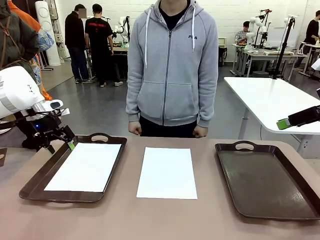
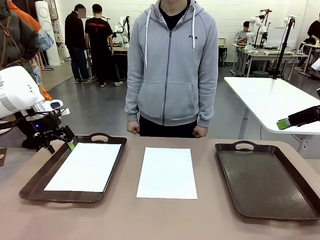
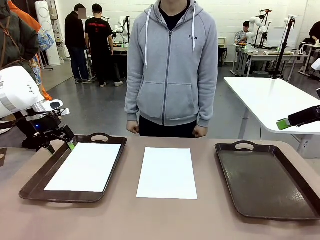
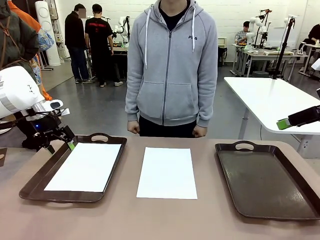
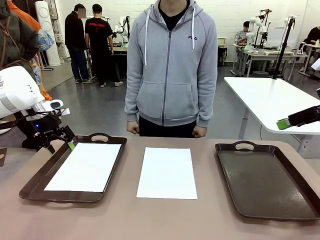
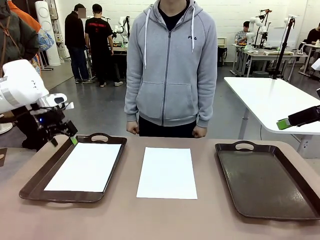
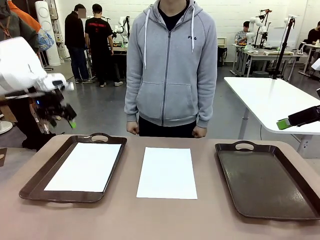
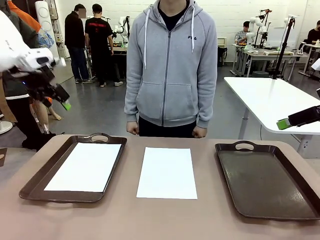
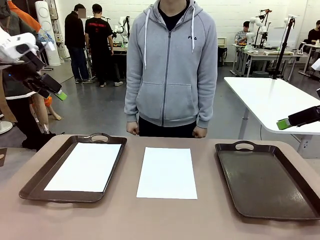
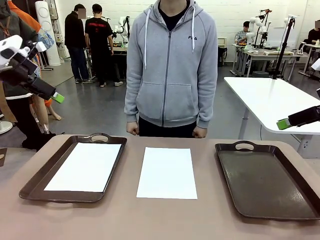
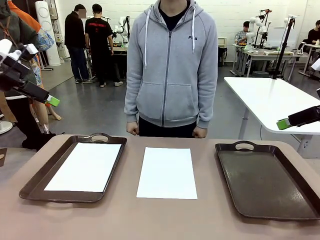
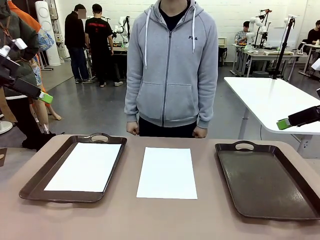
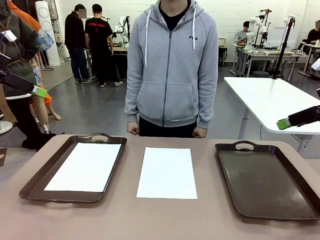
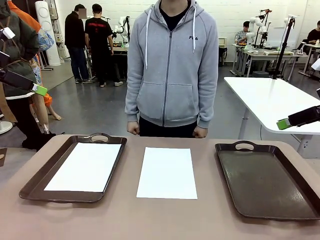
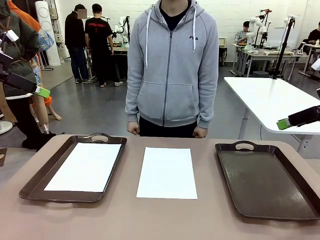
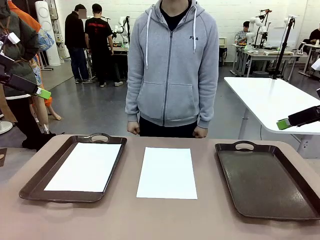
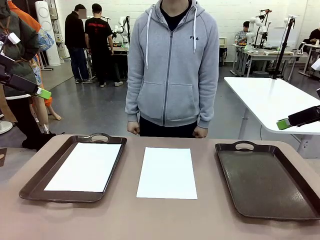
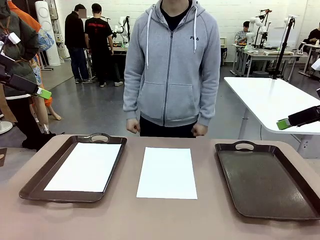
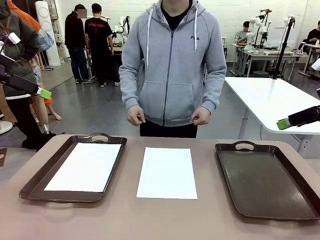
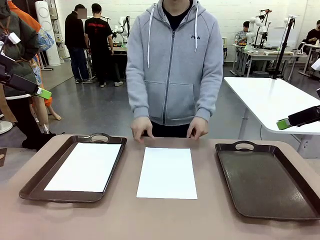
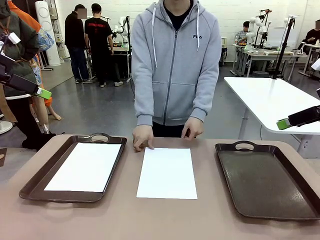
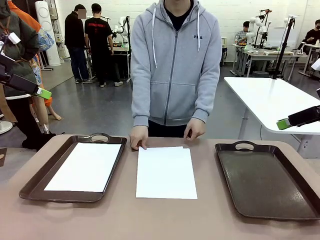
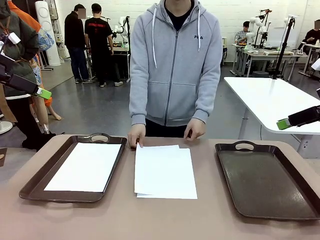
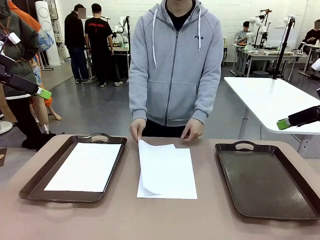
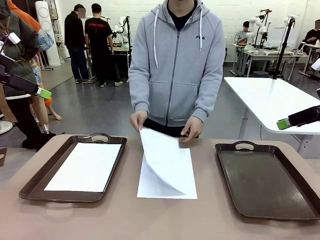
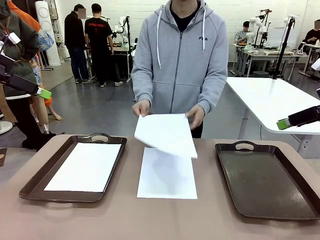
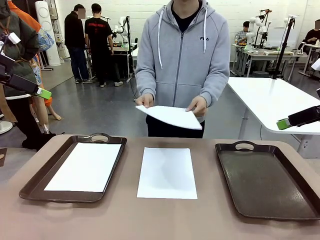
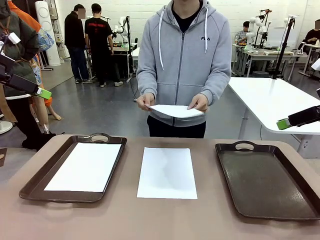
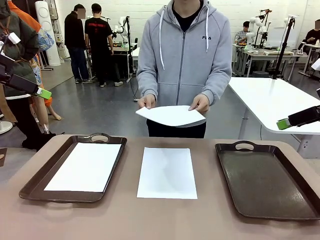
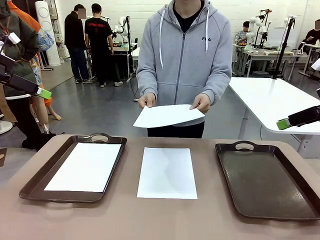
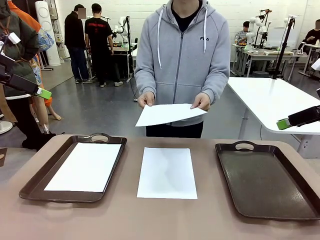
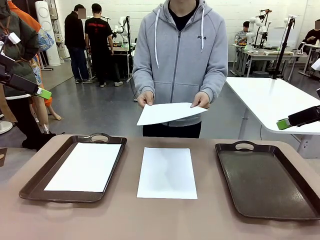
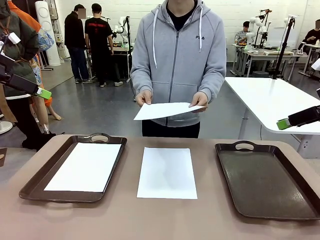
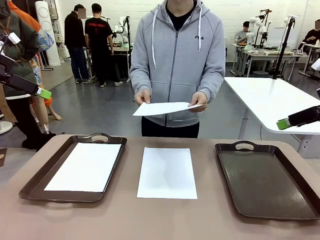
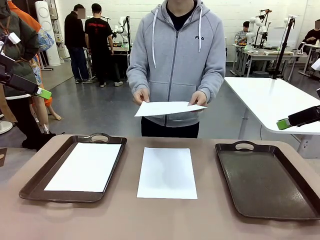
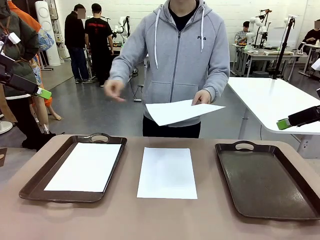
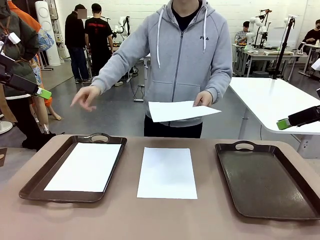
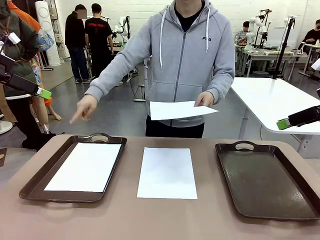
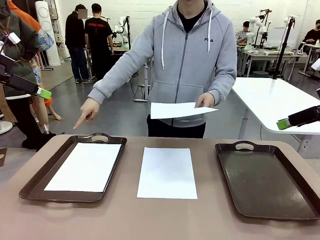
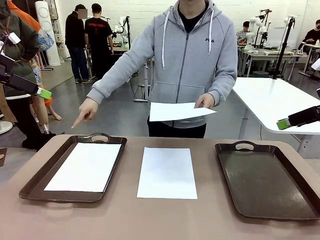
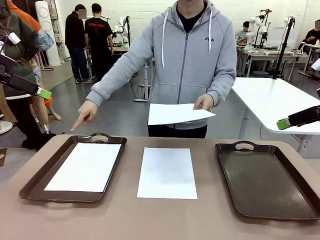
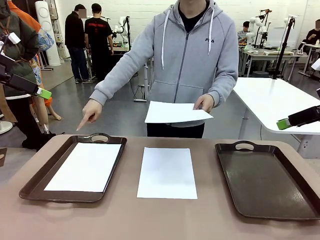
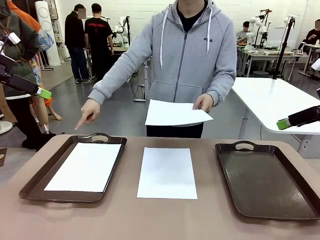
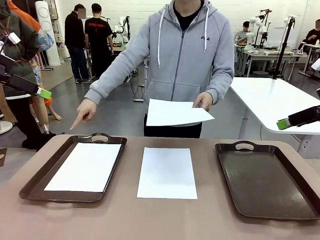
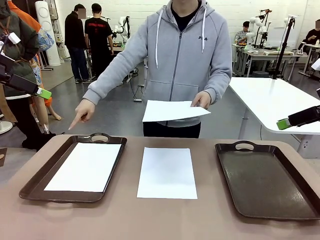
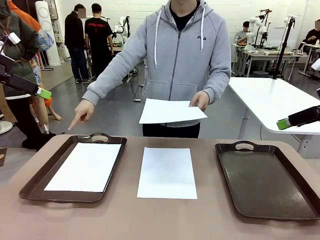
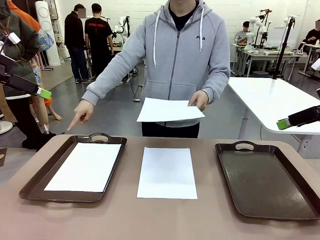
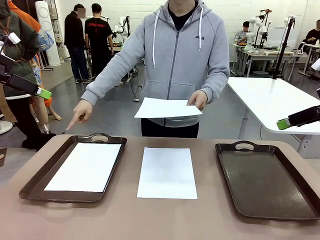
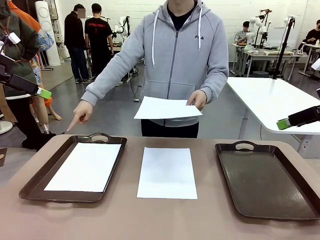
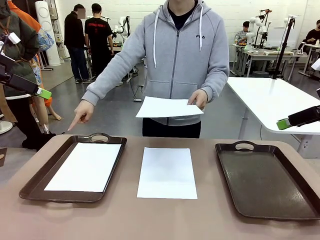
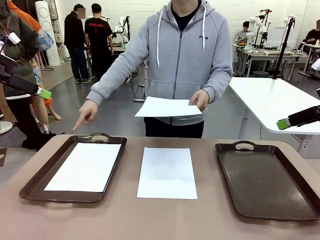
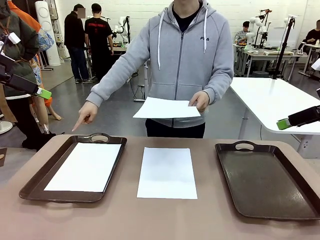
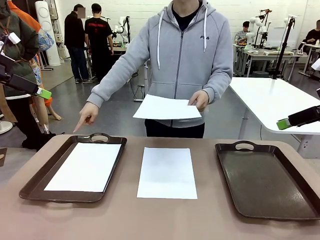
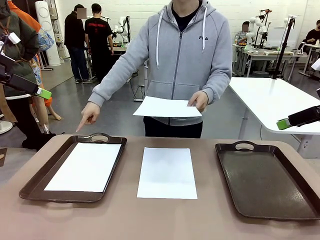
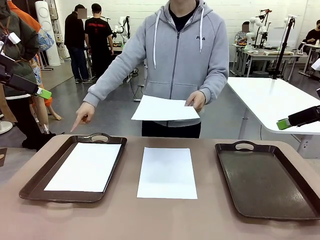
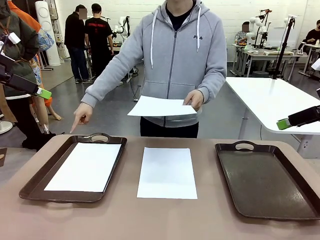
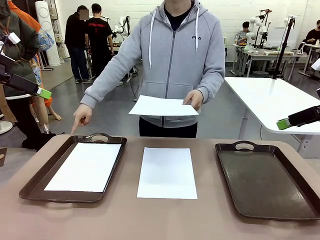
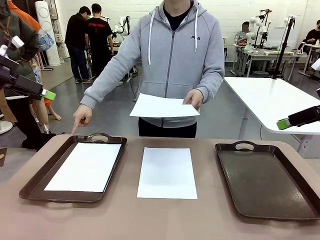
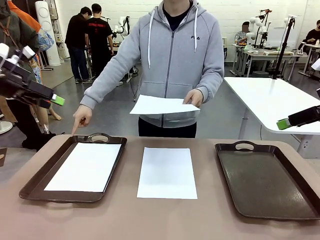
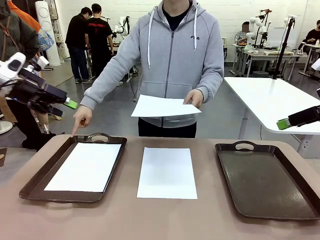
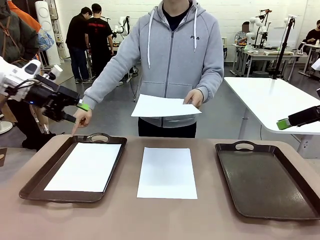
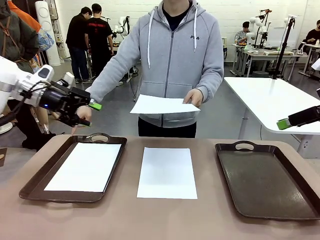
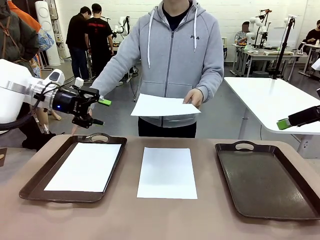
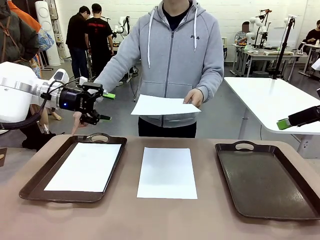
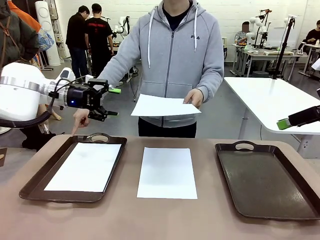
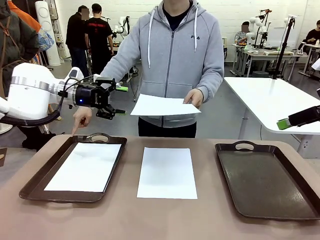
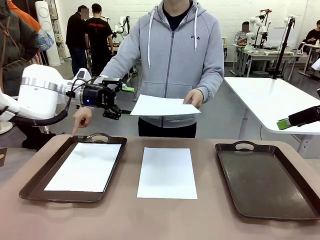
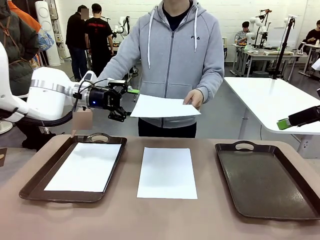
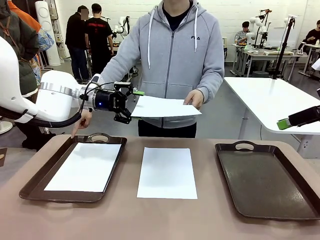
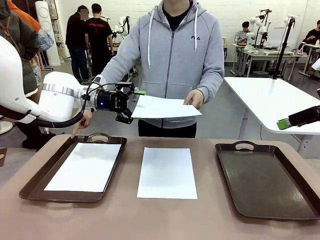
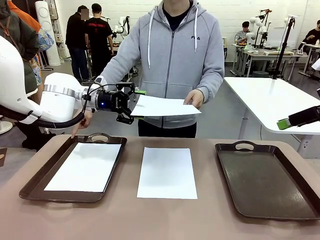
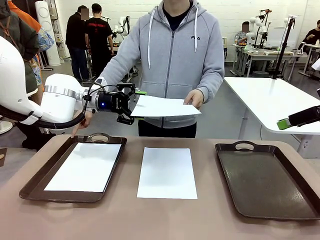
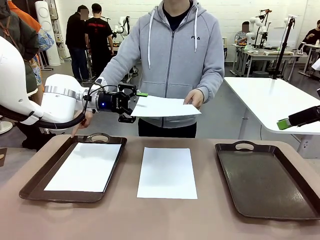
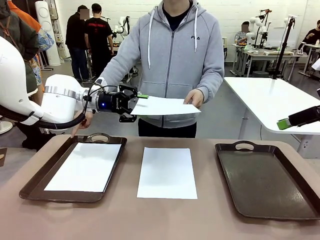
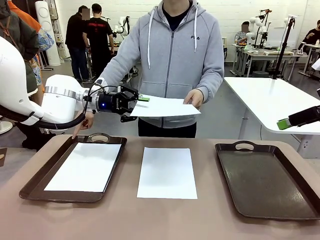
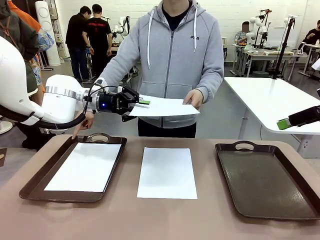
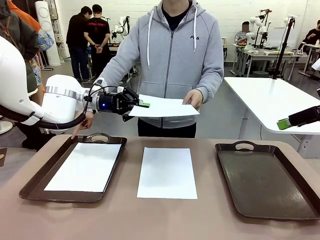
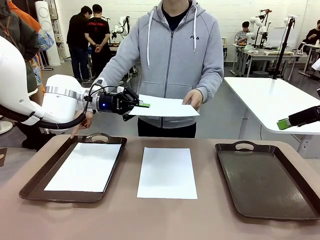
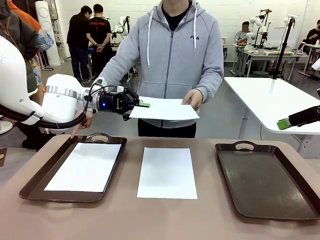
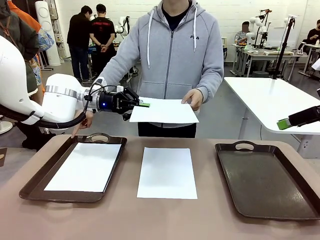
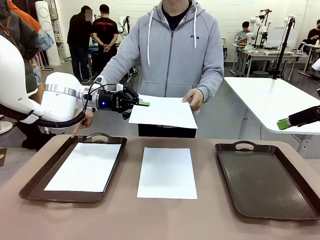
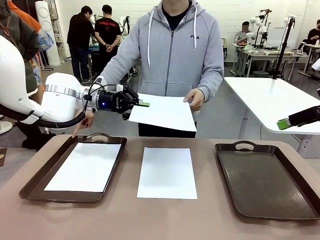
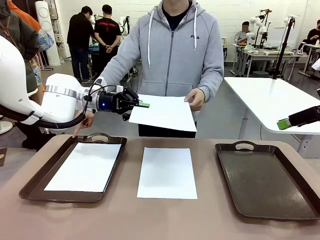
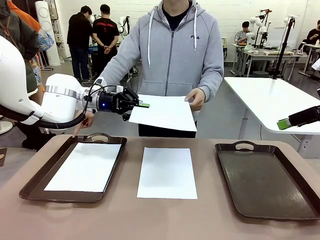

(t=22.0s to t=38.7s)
Task: Sort the A4 documents.
Robot: Receive the A4 Paper.
Person: Point the randomly selected tray with the other hand.

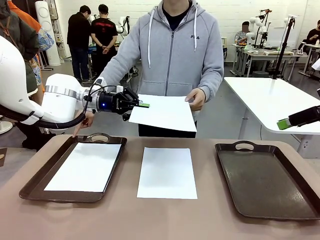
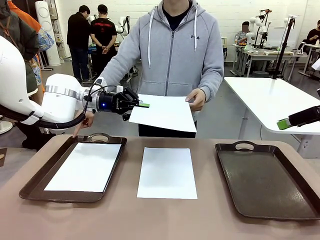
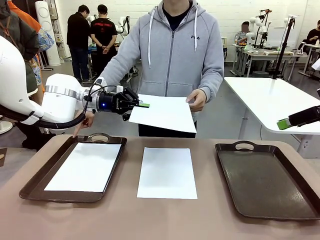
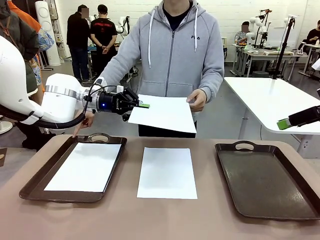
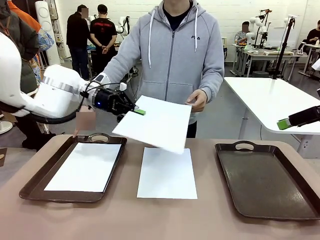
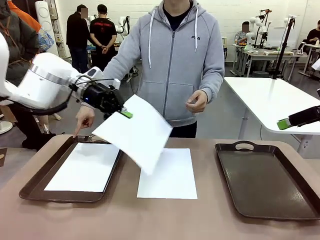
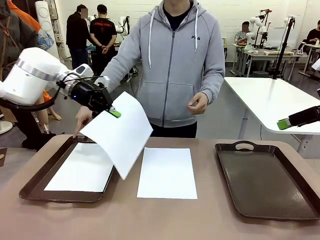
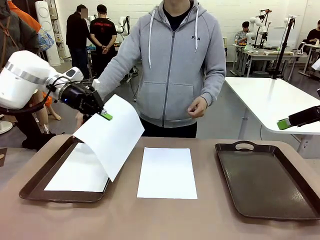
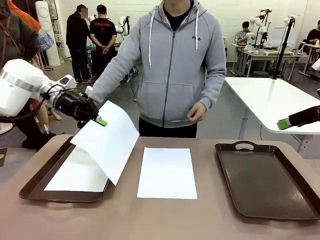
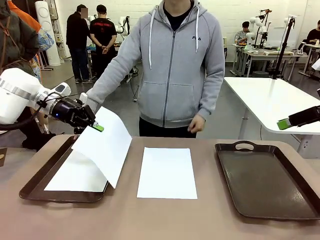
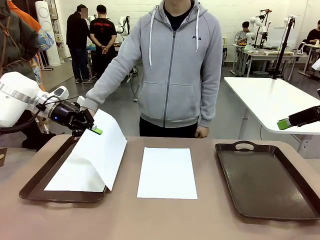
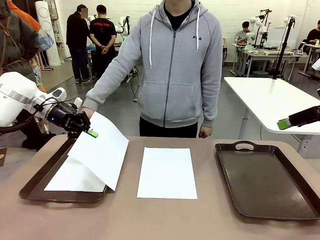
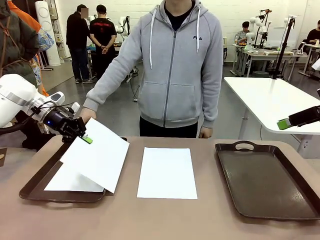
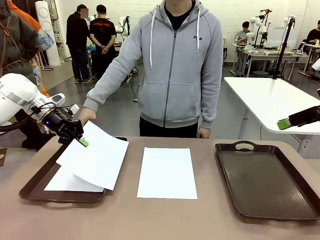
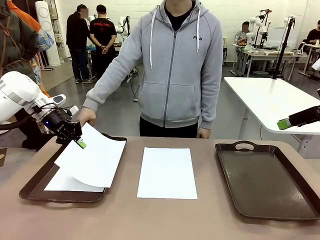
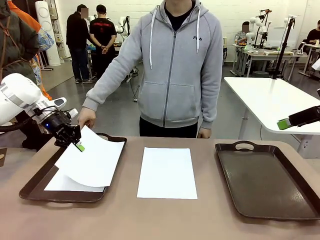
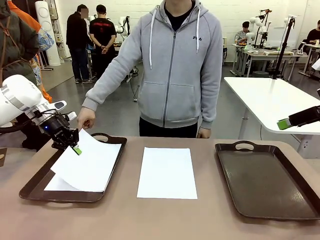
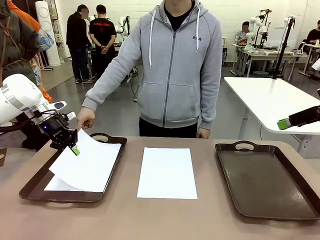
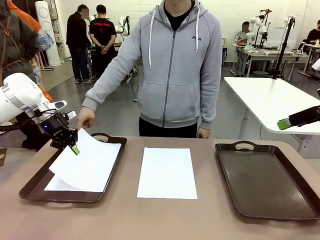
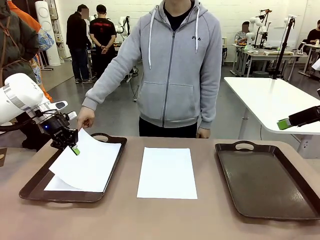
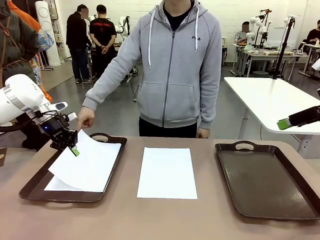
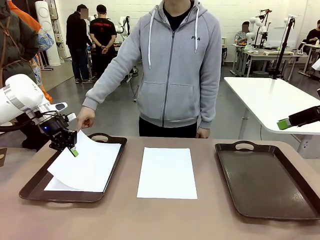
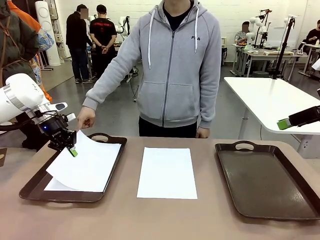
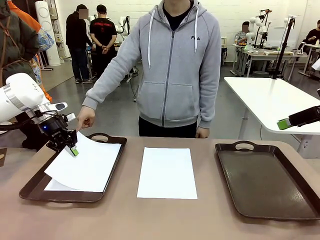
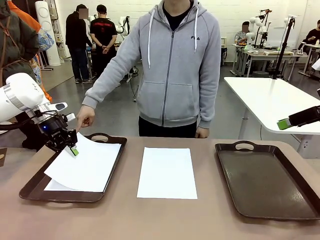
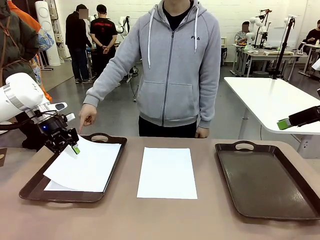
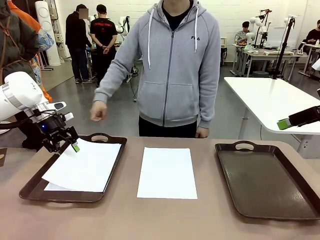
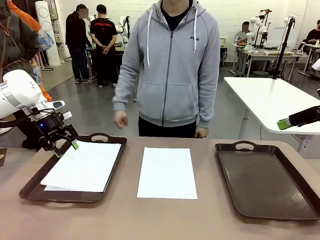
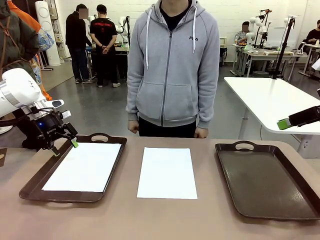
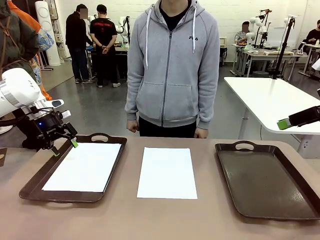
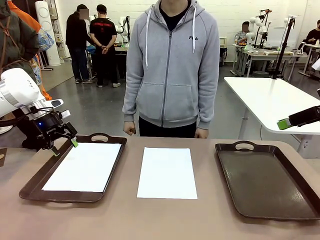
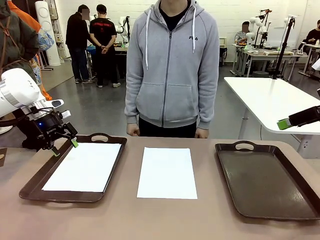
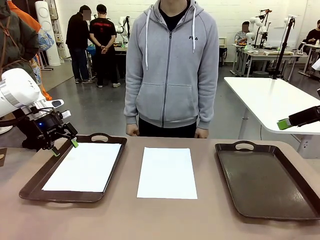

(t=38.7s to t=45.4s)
Robot: Place the A4 Paper in the designated Handle tray.
